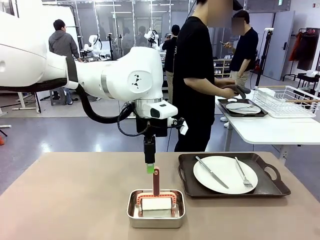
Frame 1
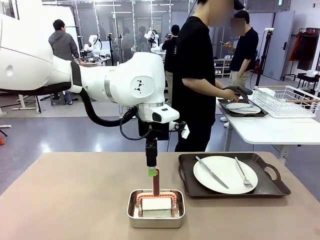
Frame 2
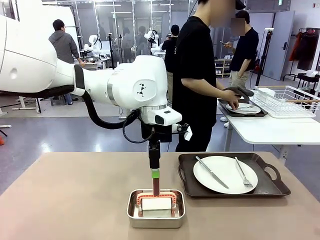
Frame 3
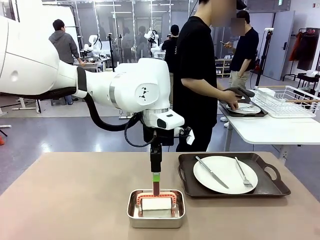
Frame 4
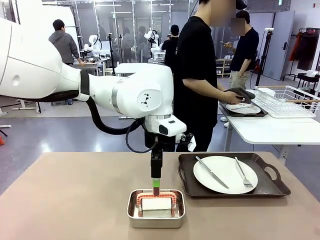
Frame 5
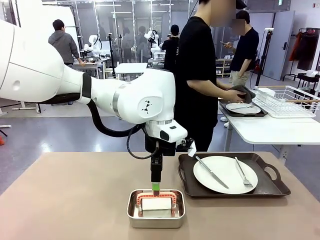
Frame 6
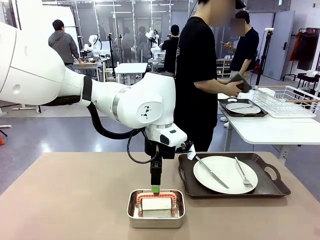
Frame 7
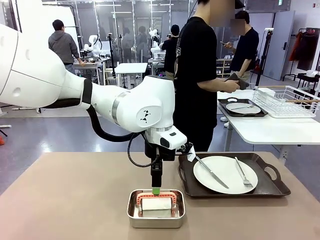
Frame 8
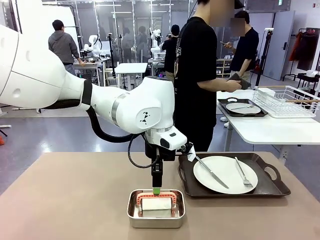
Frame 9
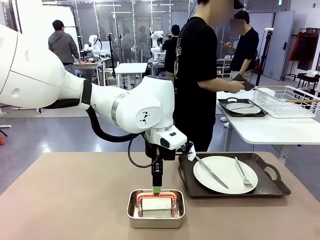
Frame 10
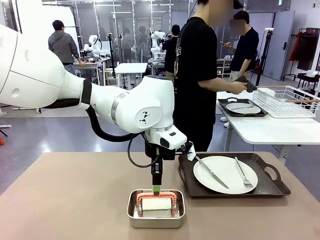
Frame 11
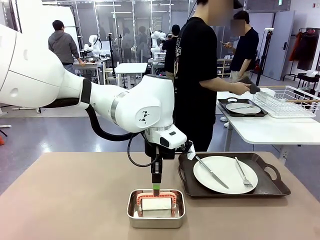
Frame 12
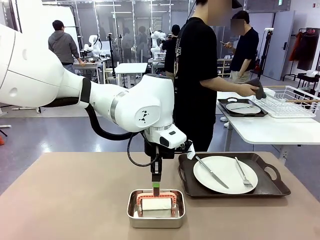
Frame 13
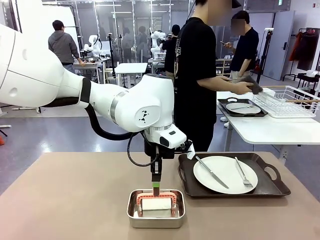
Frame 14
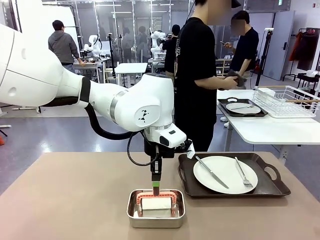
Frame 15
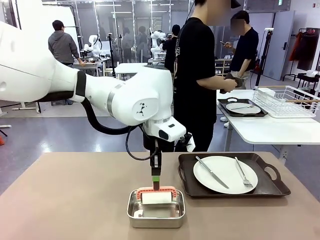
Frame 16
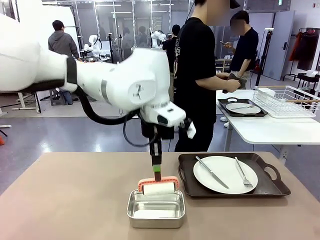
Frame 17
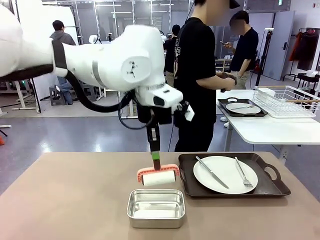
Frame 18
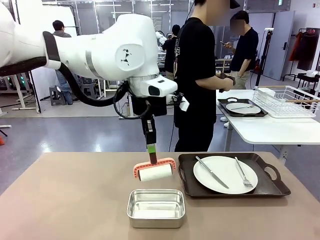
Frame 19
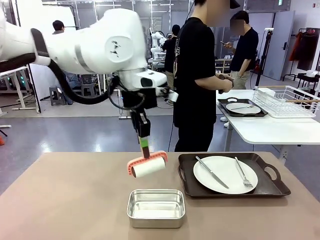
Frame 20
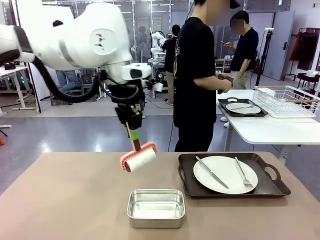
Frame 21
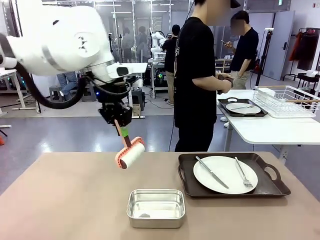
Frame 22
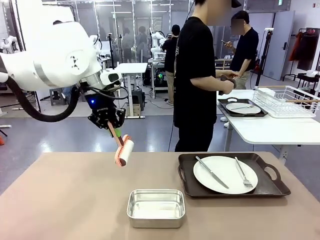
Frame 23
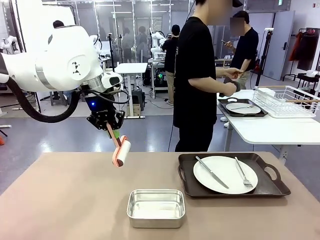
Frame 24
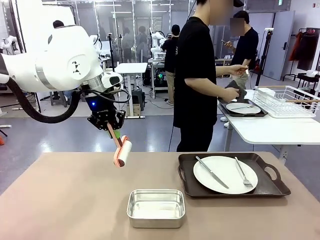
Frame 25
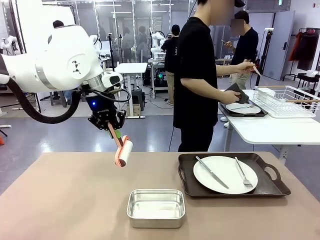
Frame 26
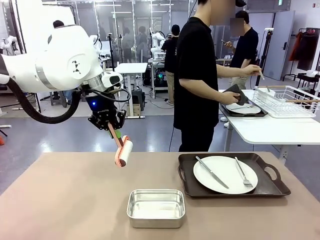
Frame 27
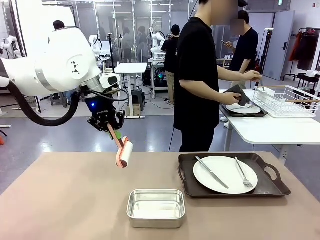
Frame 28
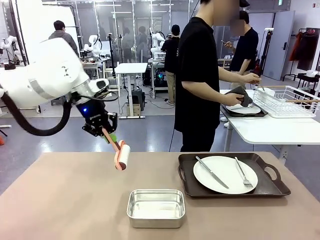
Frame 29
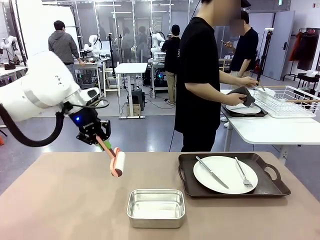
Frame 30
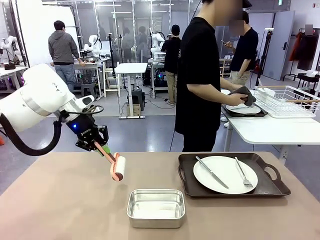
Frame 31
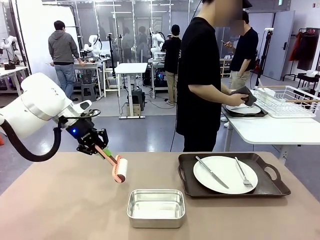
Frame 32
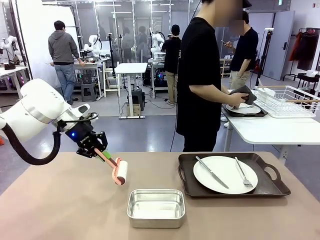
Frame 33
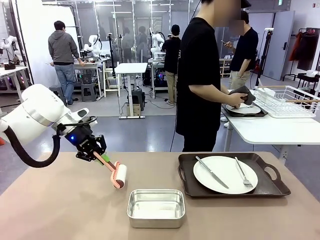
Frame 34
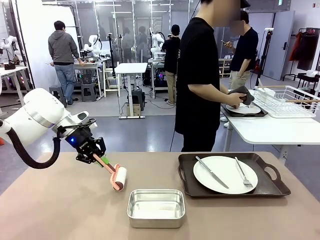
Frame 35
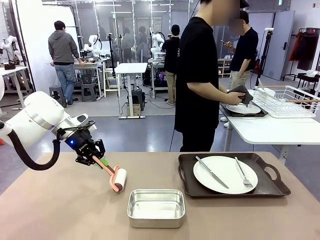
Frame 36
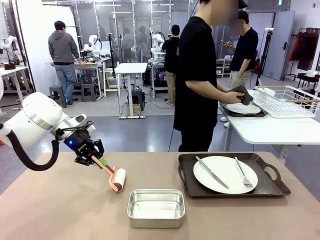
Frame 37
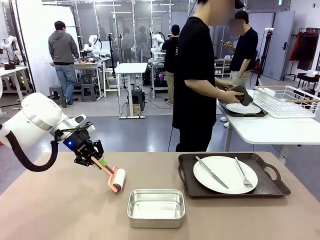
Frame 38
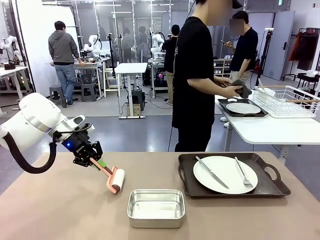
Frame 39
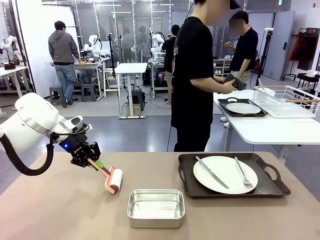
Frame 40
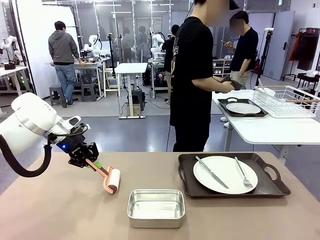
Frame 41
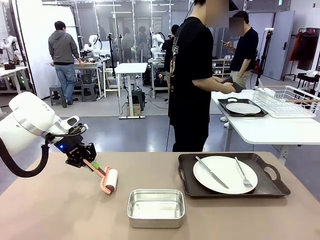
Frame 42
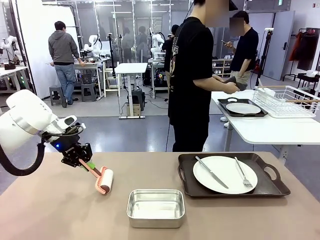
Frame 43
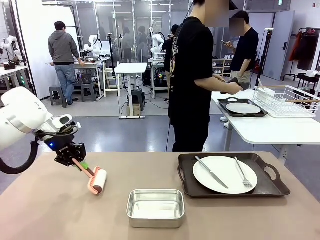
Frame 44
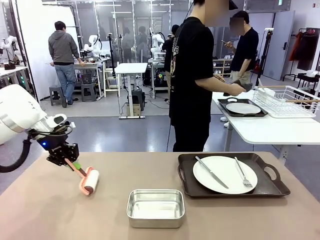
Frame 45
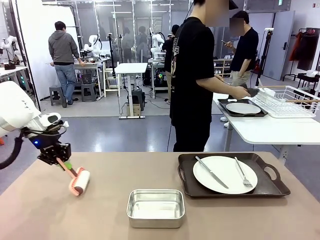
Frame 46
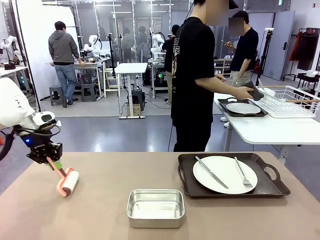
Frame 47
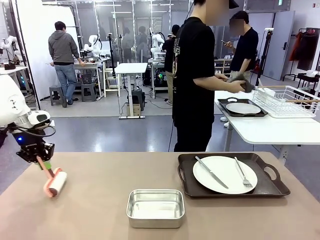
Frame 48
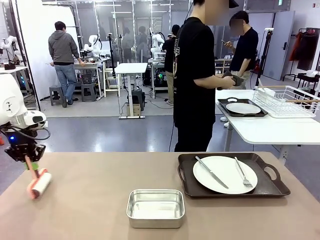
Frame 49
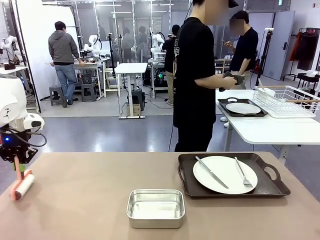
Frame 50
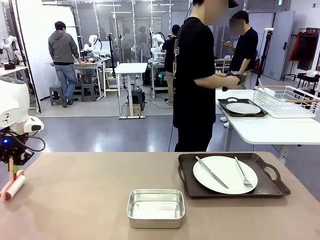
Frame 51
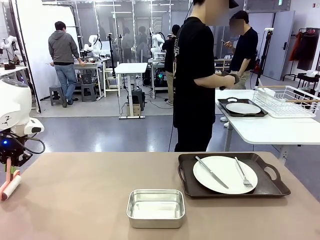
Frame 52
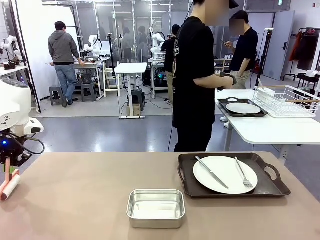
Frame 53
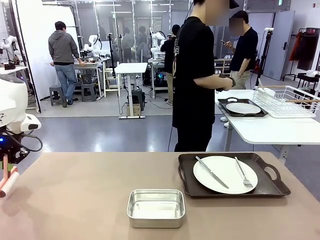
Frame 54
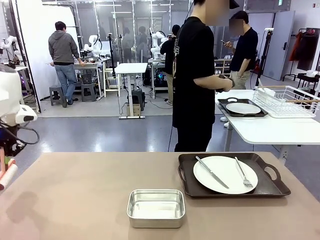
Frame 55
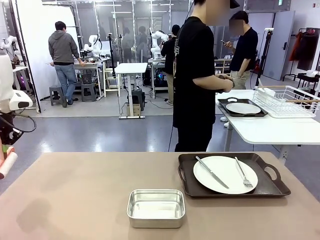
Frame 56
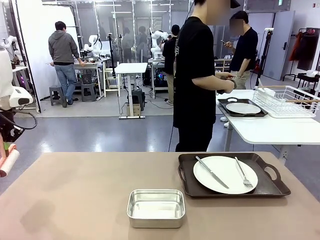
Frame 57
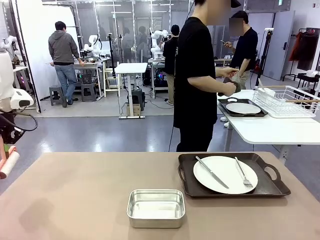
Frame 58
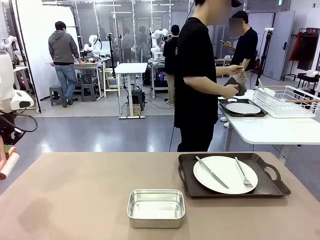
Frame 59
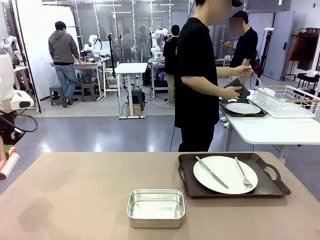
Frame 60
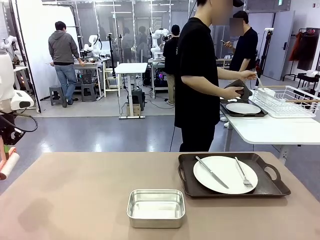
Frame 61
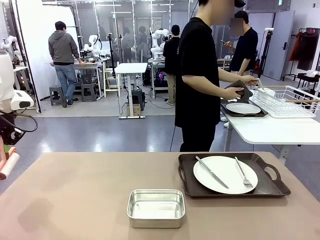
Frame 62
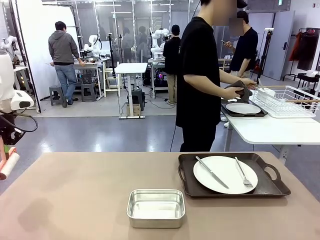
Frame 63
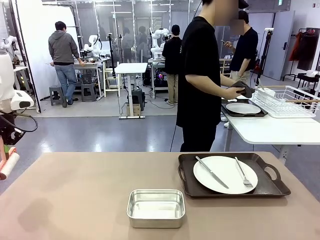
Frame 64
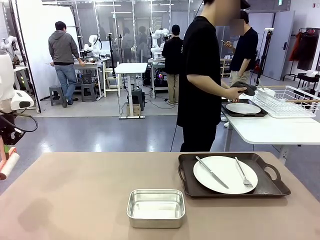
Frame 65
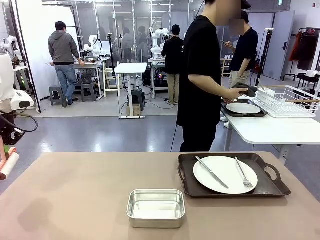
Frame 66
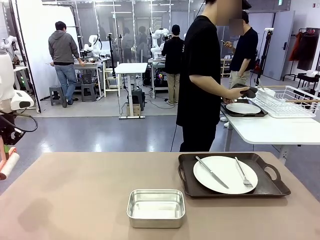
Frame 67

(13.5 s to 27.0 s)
Robot: When the left (or right) Handle tray is removed, use the left hand (or right hand) to clean the left (or right) side of the table with the Lint Roller.
Person: Use the Towel with hook to wipe the Plastic Matte Plate , Fork , and Knife and place into the Dish drying rack.

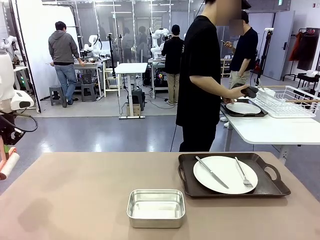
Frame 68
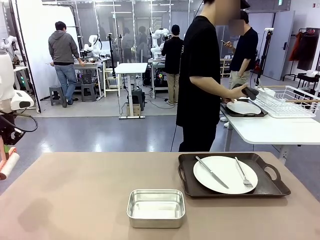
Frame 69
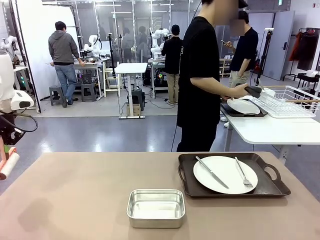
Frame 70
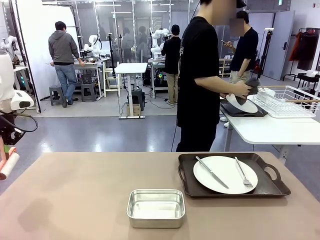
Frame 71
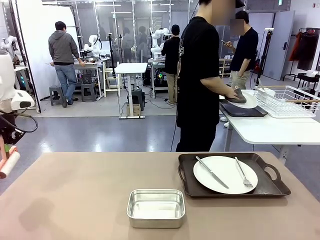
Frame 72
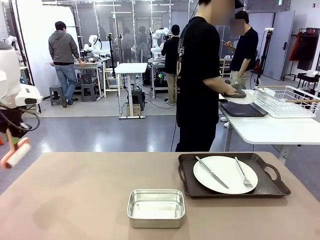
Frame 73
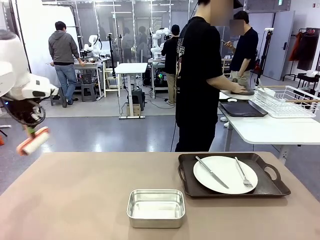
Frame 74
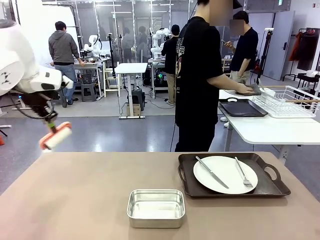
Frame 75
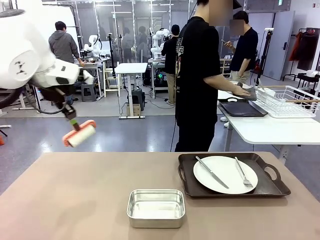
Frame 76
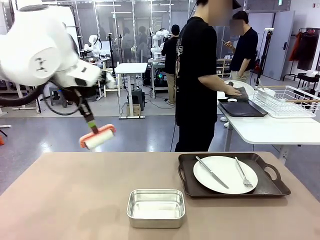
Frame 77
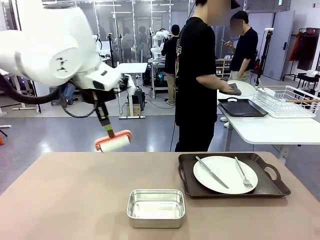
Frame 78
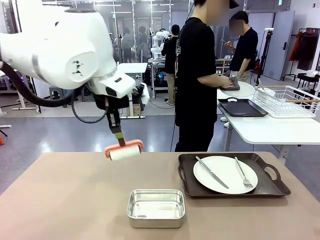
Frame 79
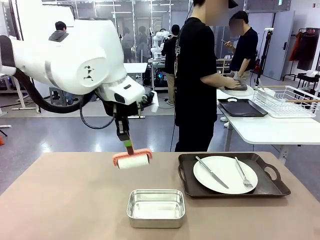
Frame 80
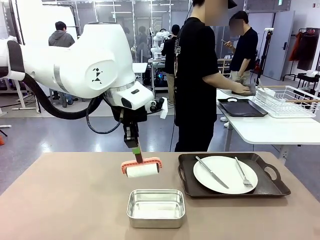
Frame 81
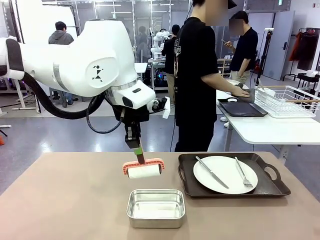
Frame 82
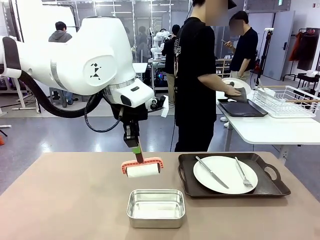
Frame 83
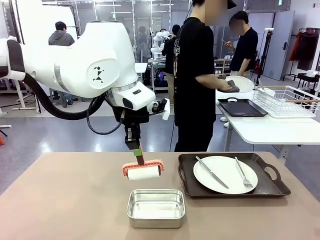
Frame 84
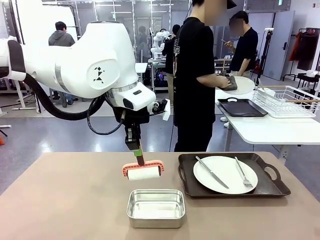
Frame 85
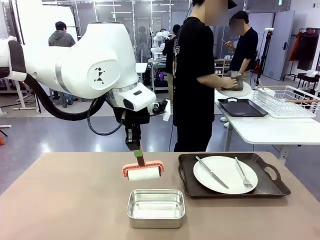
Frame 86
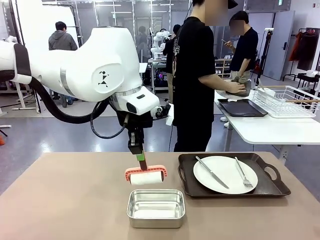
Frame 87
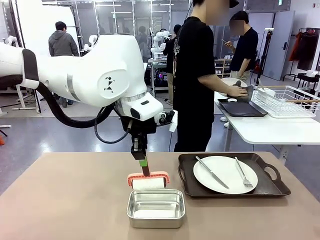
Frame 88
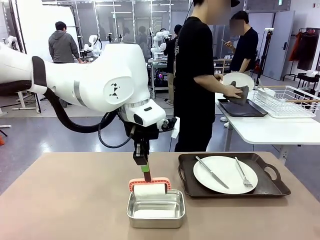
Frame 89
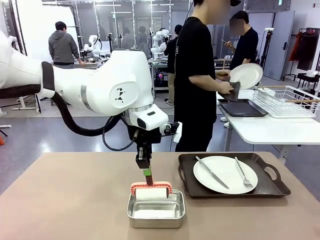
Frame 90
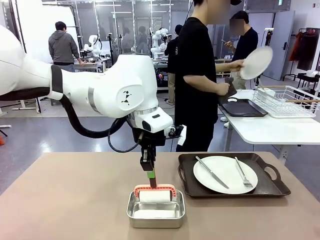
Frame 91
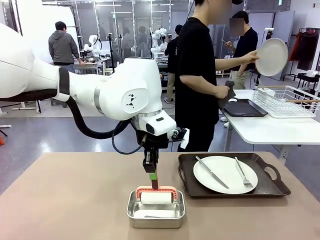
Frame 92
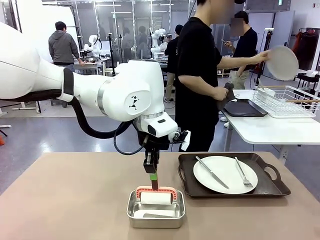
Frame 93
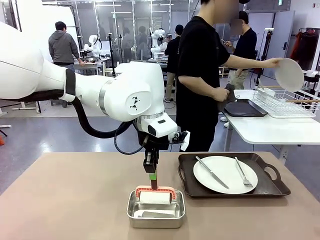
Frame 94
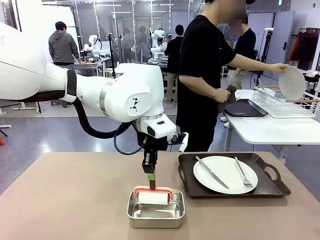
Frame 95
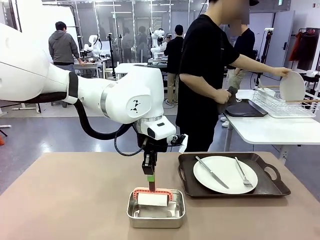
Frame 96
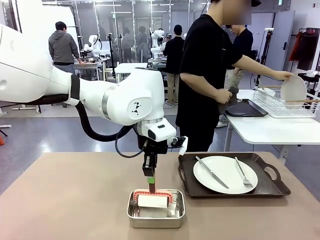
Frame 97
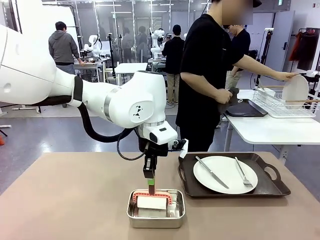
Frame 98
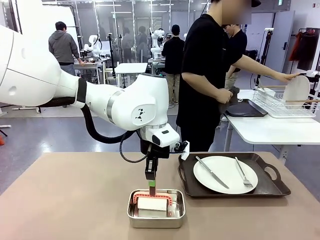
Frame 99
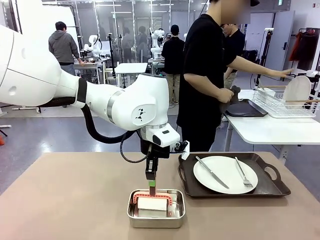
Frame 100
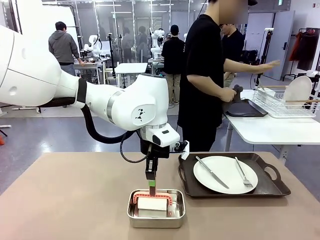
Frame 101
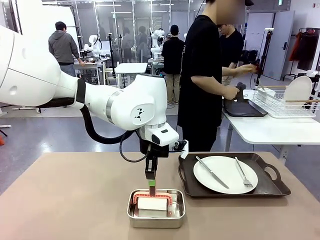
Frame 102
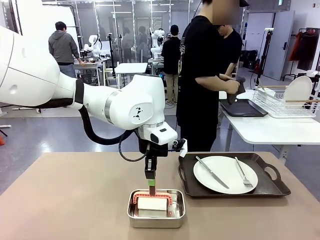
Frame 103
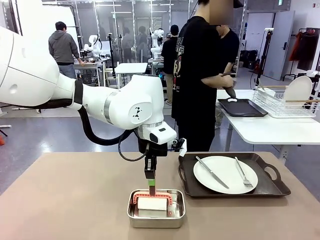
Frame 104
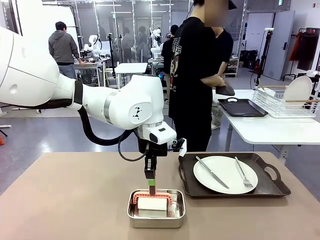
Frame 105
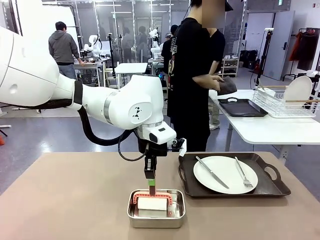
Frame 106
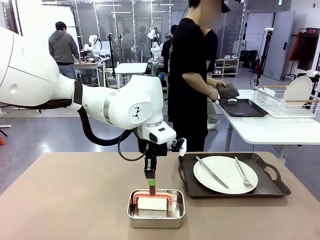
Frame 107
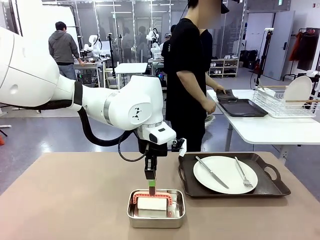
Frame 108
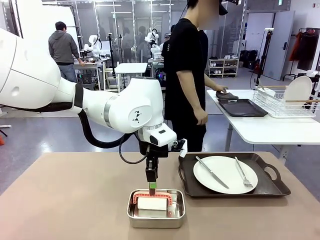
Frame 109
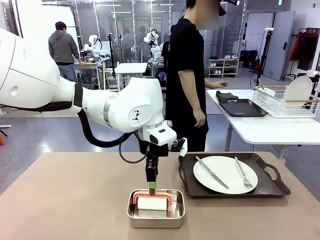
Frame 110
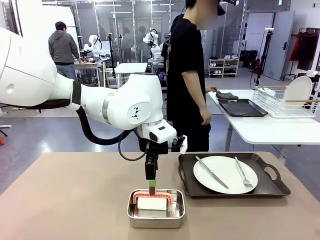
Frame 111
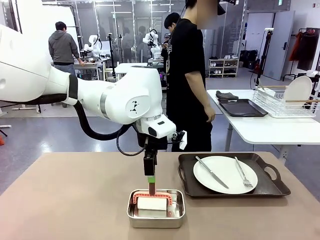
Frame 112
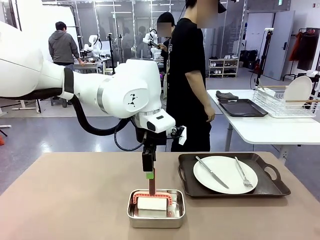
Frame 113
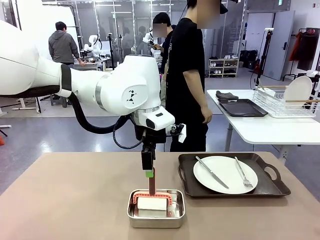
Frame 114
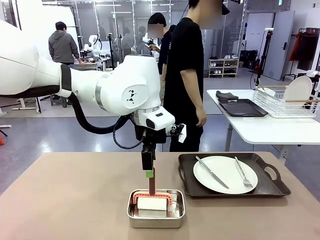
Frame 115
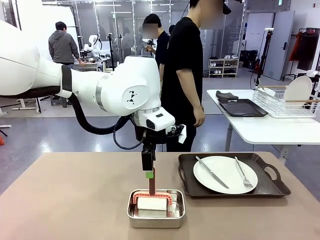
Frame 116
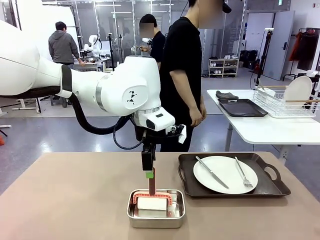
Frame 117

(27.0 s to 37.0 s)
Robot: Place the Lint Roller back on top of the Airtight Container.
